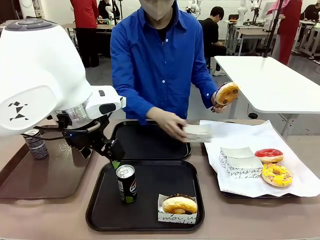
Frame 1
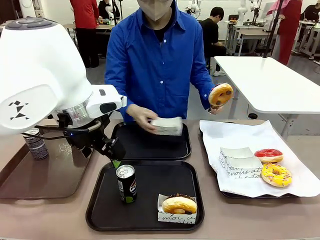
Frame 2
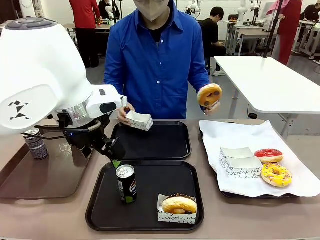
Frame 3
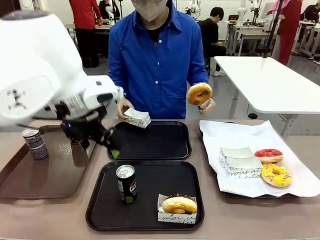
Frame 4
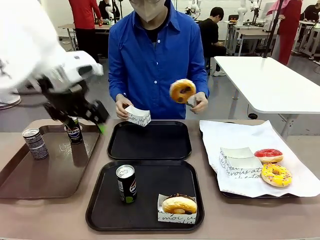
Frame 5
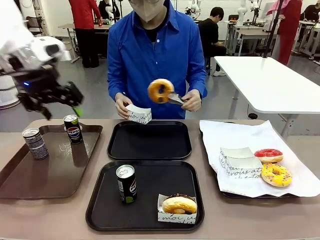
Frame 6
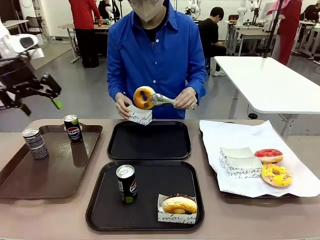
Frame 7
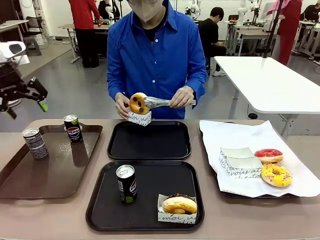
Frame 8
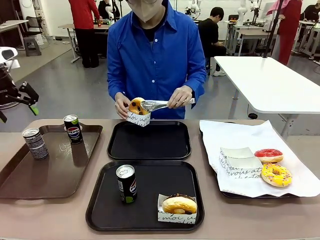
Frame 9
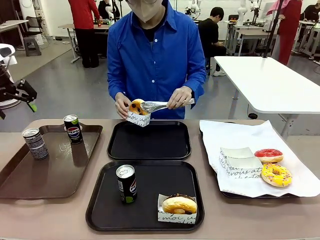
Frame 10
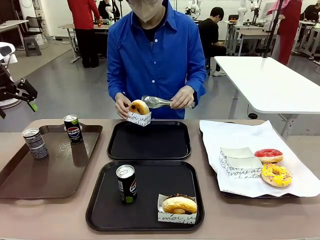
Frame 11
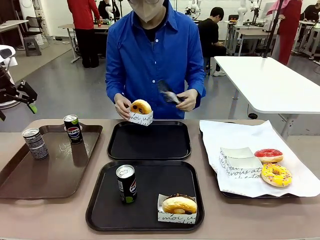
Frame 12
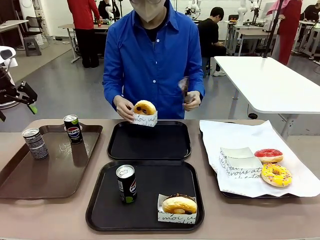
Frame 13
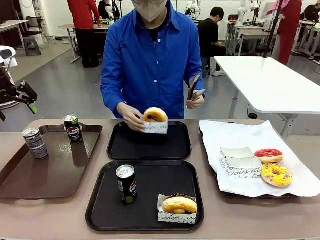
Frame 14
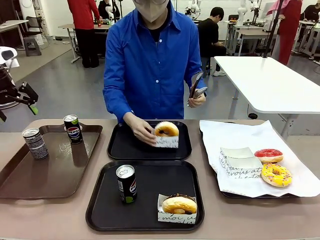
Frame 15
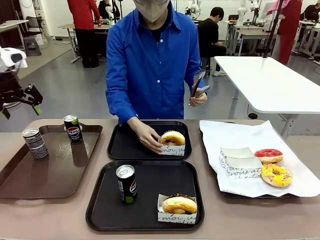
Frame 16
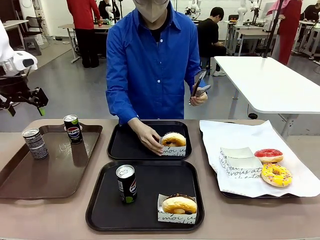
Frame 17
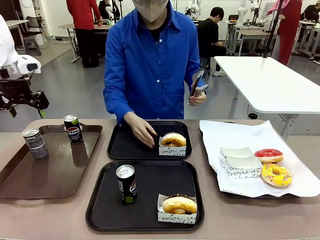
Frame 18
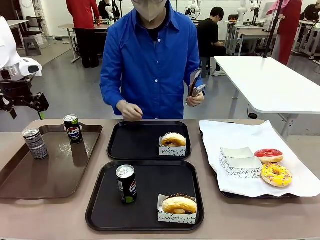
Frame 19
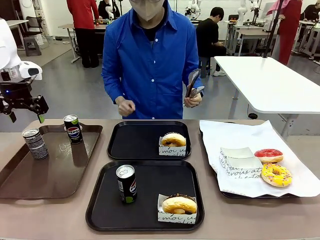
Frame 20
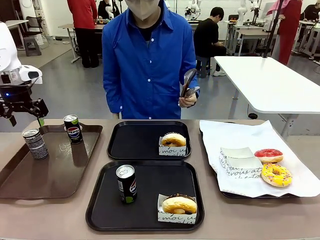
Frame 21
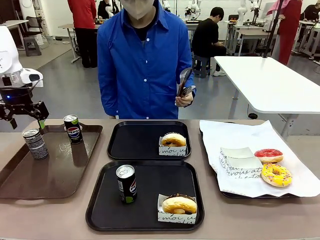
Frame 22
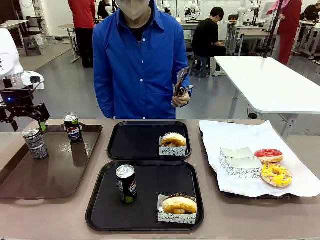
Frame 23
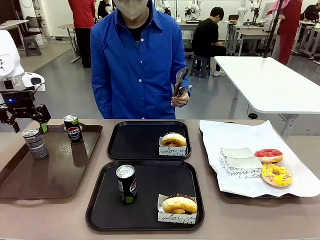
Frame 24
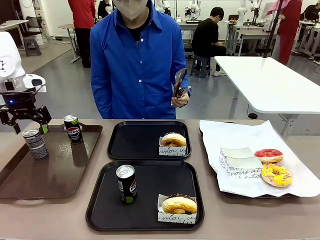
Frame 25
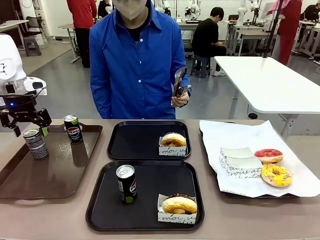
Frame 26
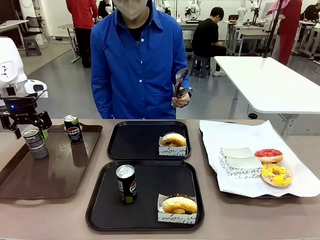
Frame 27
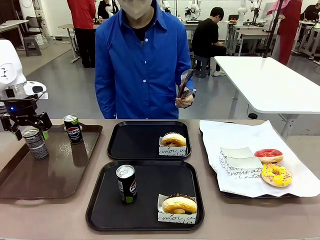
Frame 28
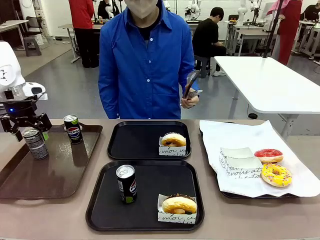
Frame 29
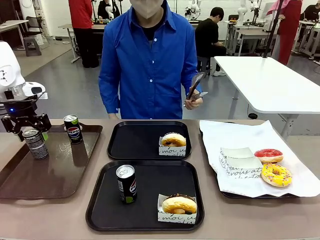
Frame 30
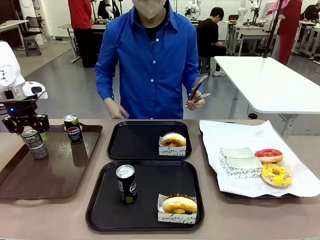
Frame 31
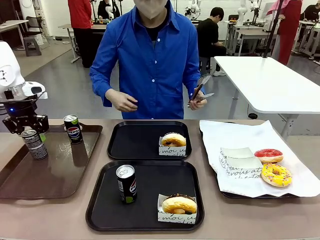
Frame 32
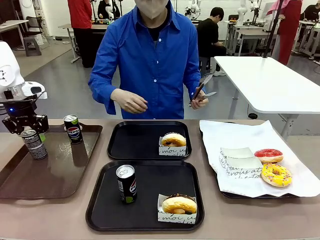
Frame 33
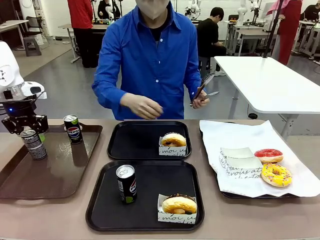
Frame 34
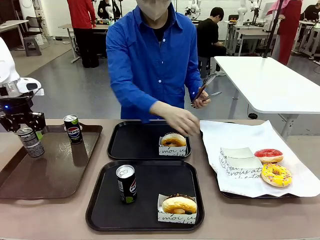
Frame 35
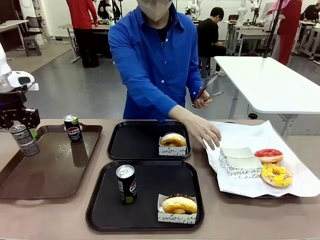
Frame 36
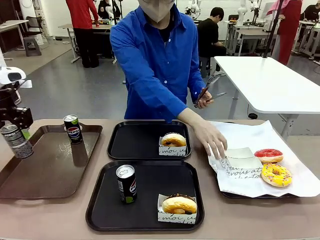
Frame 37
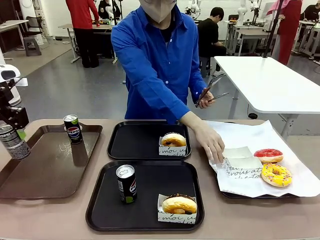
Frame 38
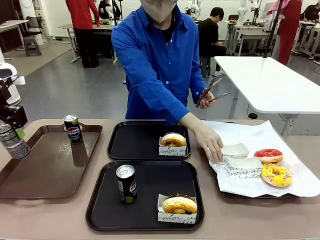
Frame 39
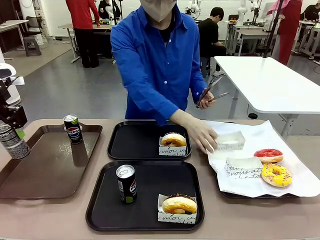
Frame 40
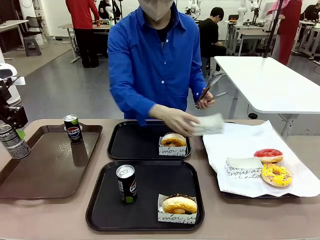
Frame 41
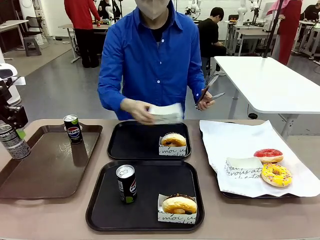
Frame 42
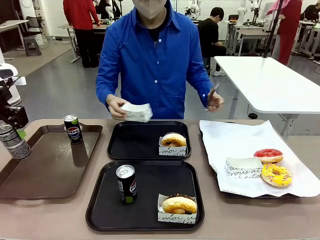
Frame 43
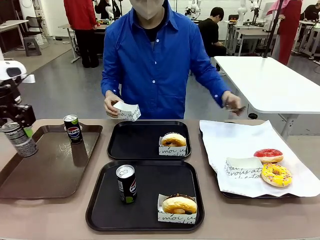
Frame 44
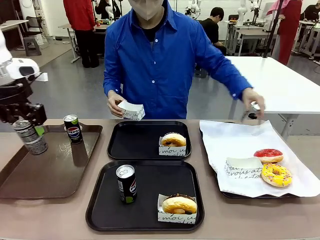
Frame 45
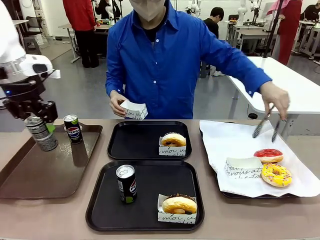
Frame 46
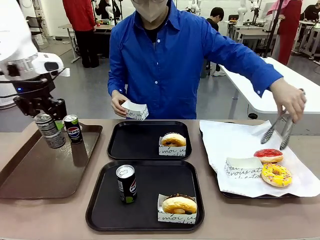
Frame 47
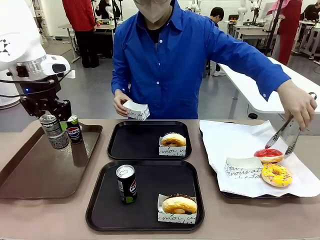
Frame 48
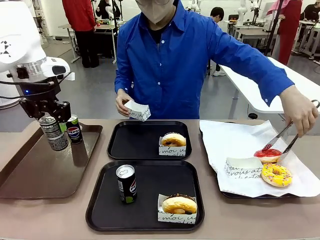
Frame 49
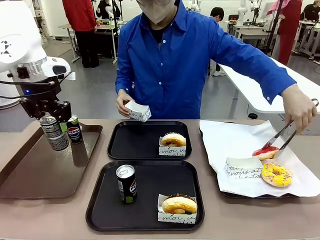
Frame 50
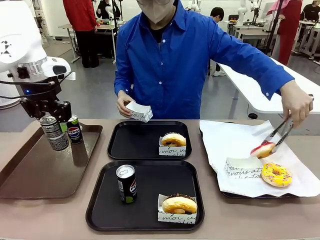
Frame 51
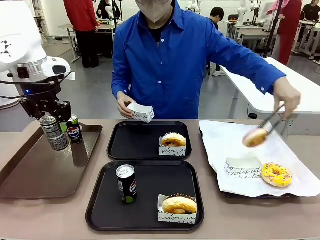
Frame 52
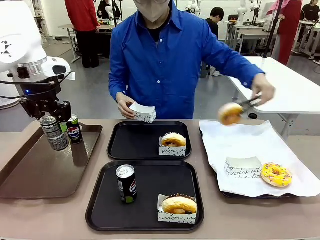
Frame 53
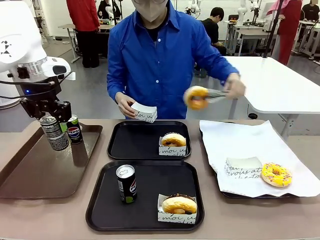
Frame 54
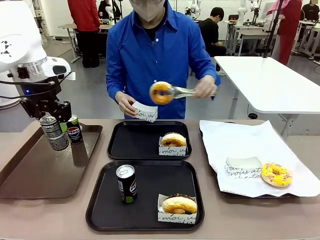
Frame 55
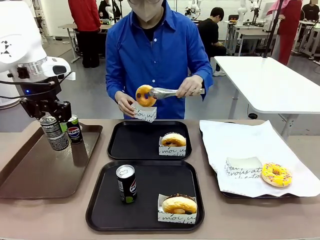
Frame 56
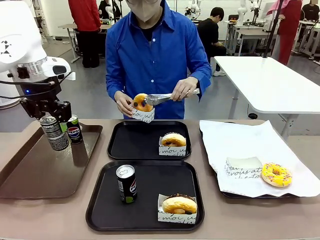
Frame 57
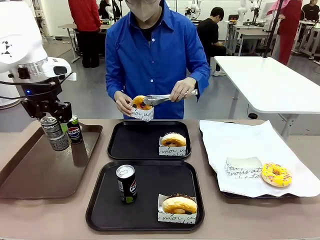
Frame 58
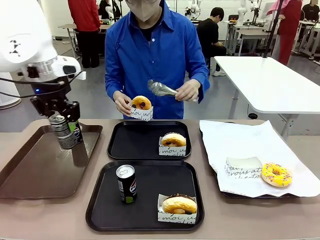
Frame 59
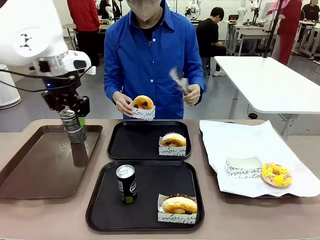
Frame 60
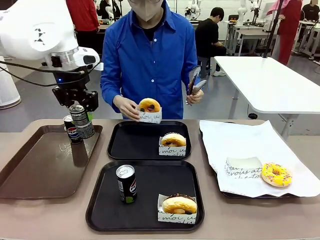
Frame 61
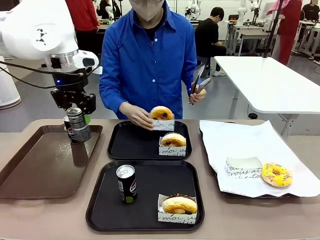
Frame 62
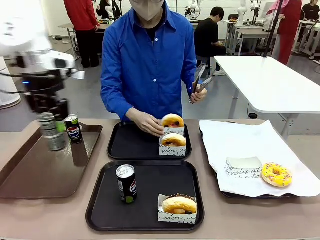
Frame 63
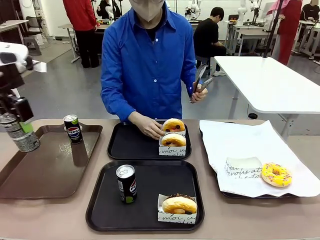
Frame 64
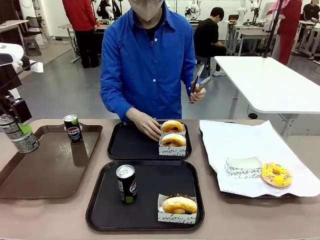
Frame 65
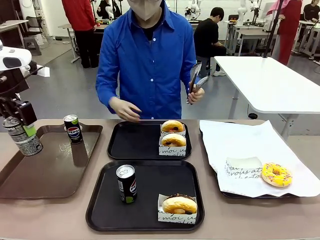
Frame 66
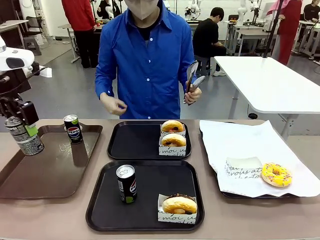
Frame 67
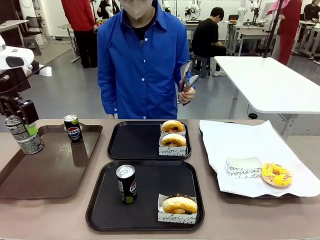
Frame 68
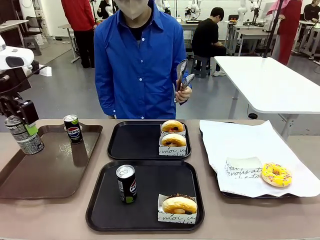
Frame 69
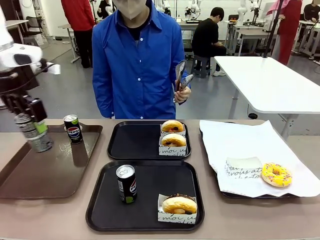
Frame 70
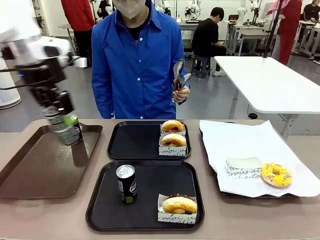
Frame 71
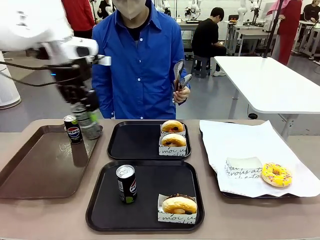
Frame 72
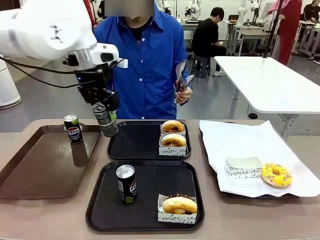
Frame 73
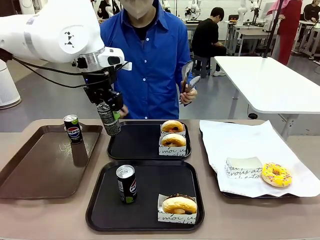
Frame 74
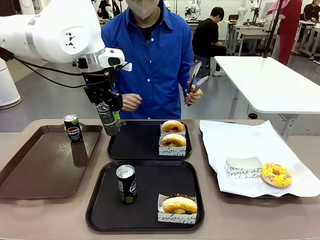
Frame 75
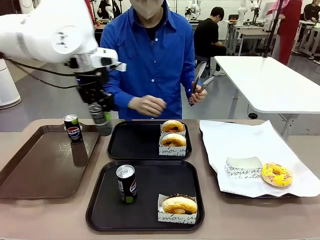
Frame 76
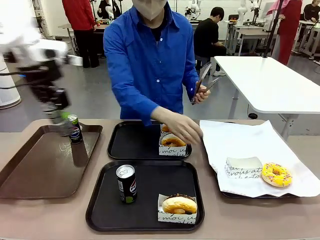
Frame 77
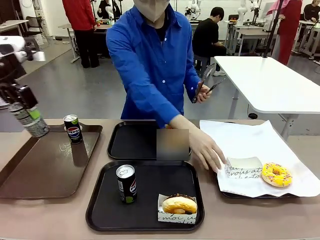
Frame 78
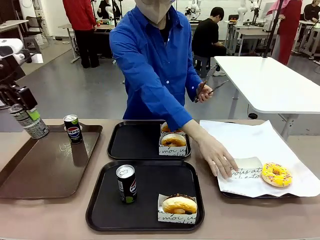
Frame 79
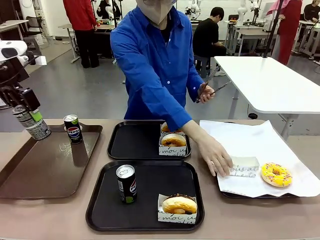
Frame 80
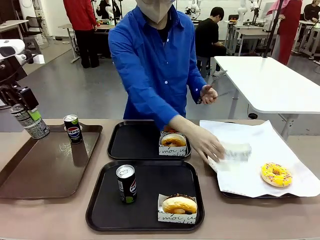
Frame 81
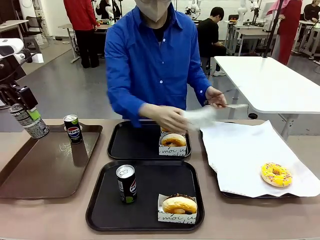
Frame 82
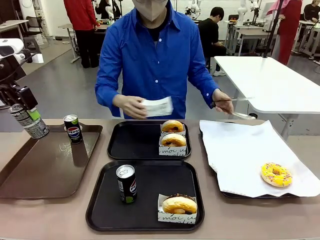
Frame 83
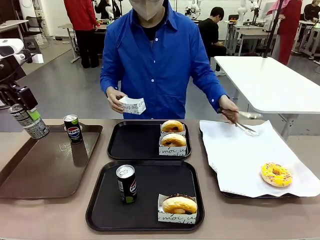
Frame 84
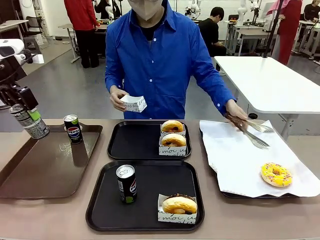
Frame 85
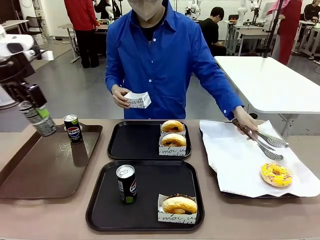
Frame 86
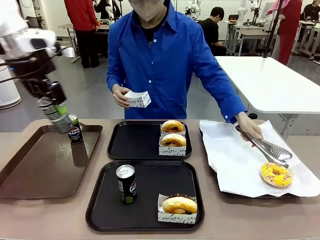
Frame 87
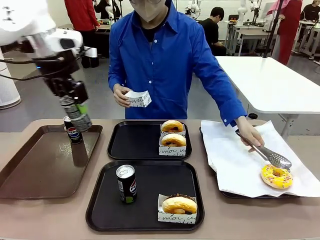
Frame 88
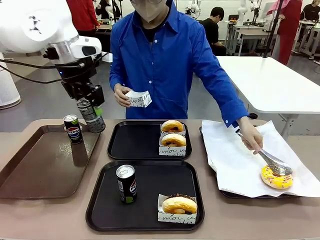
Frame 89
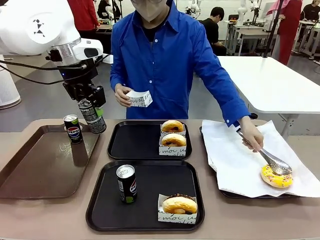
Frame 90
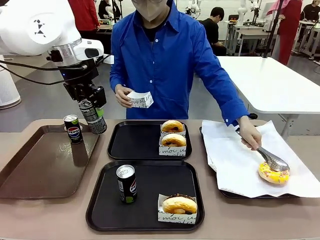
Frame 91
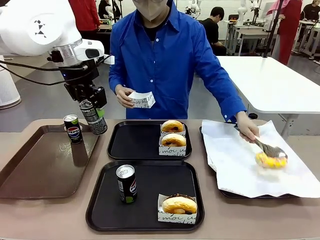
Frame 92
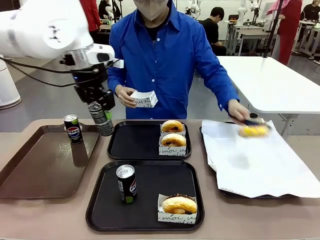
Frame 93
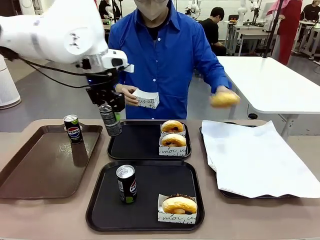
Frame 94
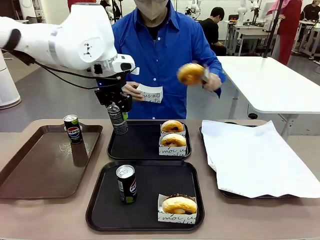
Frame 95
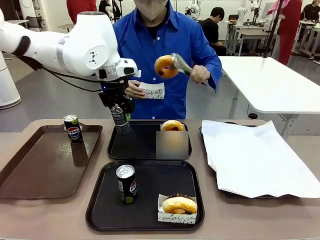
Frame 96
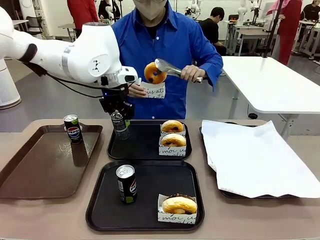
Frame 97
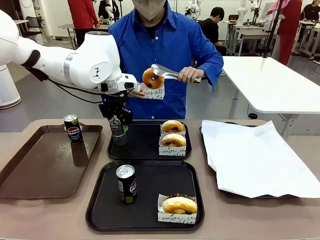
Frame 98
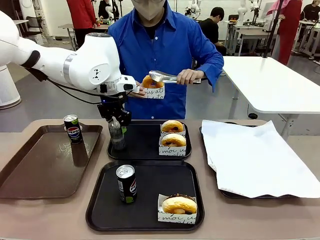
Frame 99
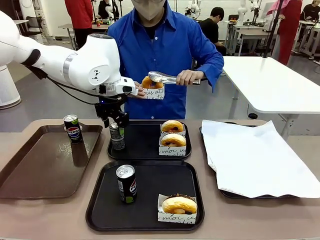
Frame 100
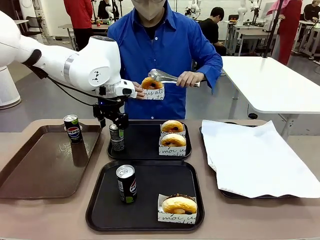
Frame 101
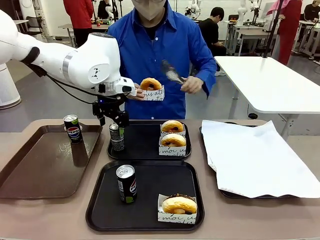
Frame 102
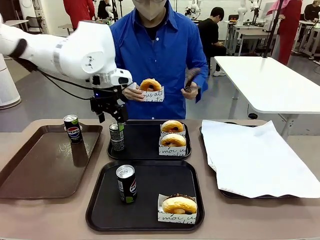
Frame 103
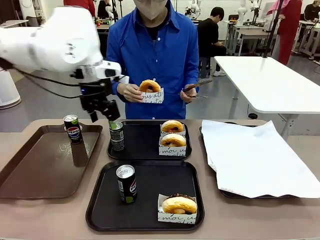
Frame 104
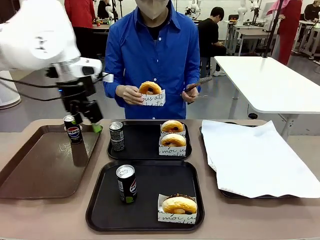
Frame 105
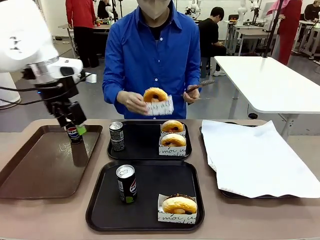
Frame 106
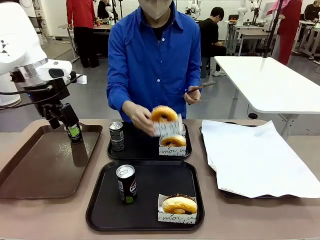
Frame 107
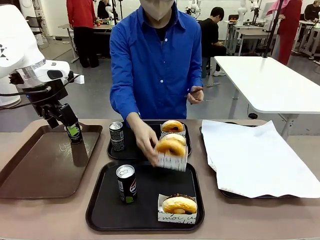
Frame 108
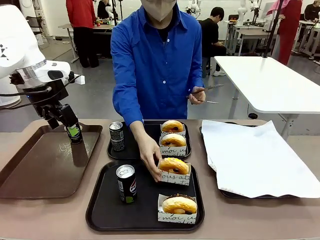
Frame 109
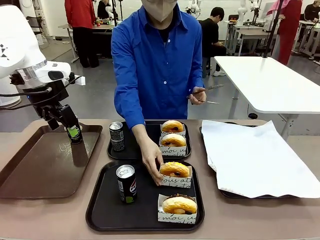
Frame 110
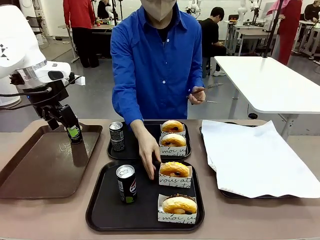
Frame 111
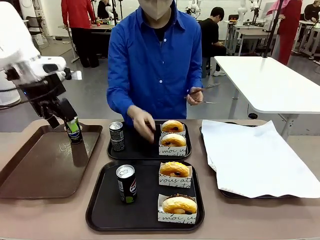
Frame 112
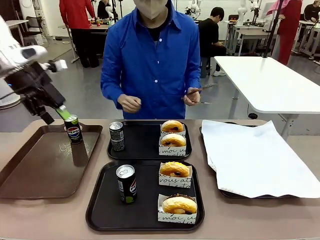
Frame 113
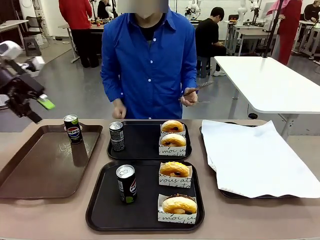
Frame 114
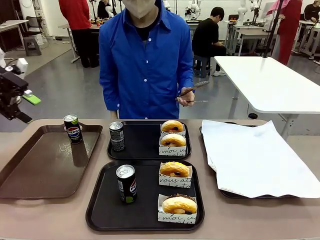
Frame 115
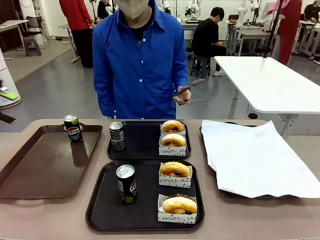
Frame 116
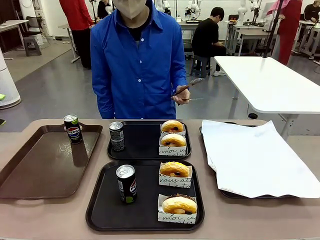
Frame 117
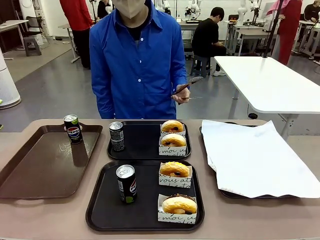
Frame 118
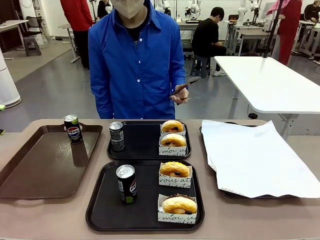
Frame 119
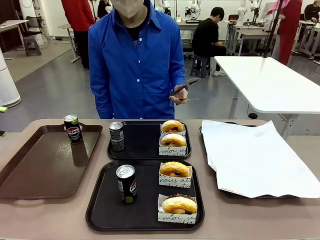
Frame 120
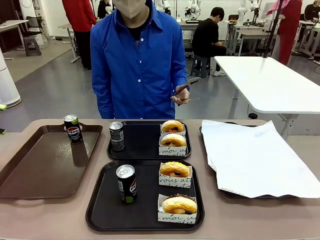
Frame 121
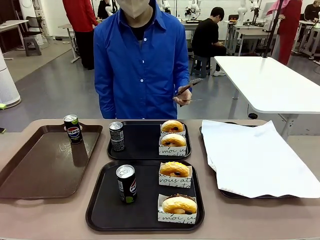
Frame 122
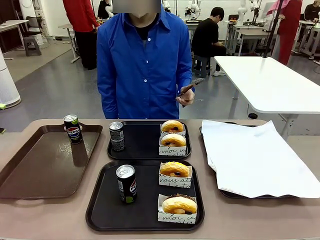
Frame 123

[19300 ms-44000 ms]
Task: Set up donuts and drinks on trays.
Robot: Pick up one Pepsi coke from the Handle tray and place it on the Flat Tray without a Pepsi coke.
Person: Pick up one donut with tongs, place it in the donut tray, and then place the donut tray on the flat tray.
